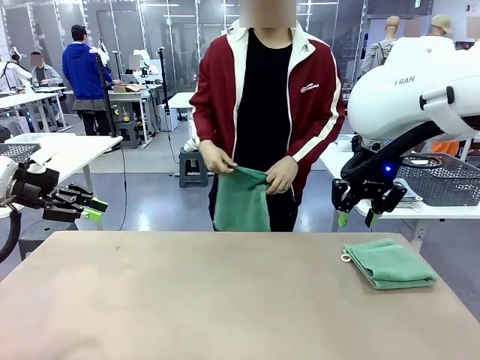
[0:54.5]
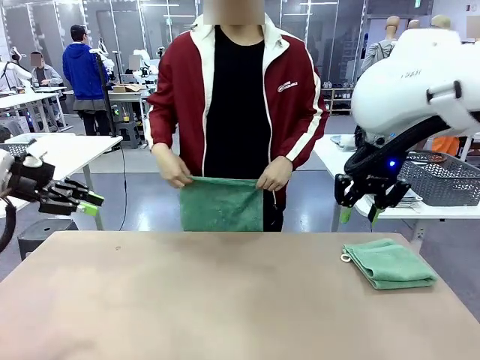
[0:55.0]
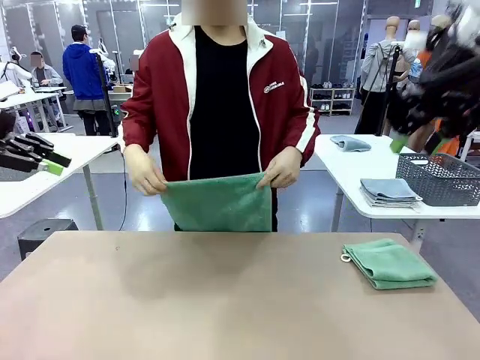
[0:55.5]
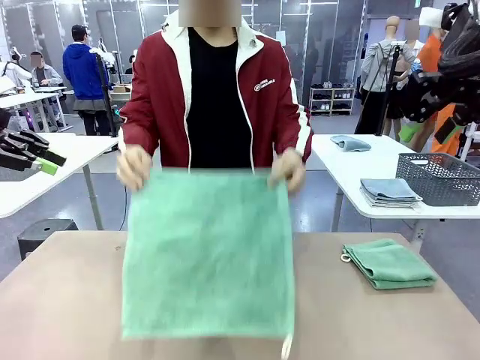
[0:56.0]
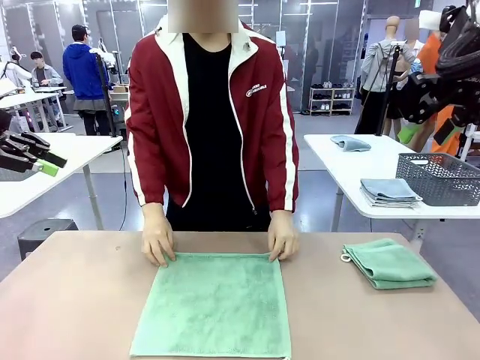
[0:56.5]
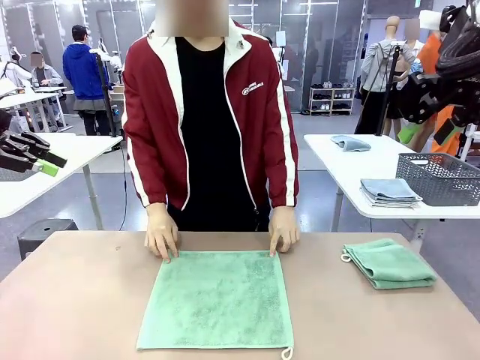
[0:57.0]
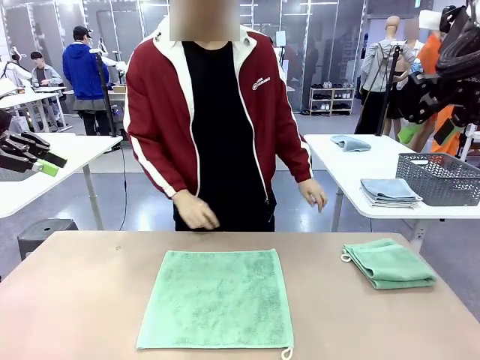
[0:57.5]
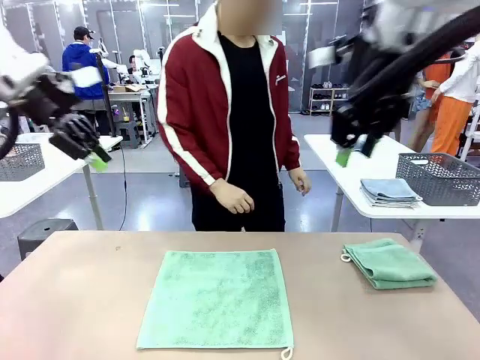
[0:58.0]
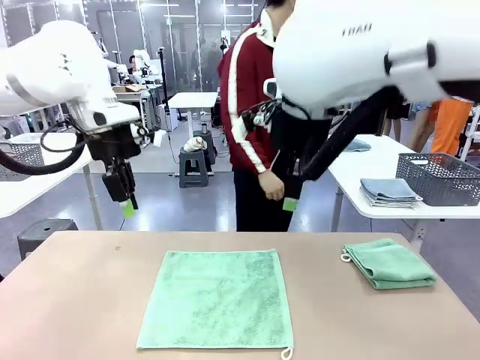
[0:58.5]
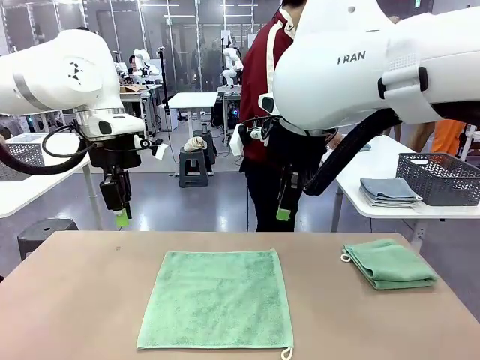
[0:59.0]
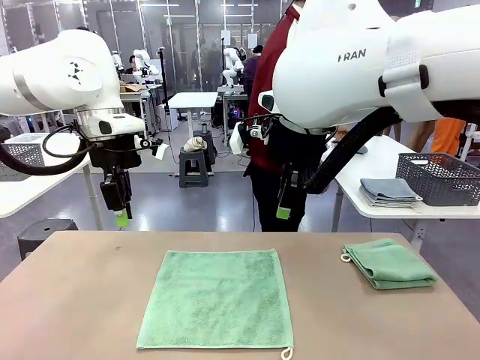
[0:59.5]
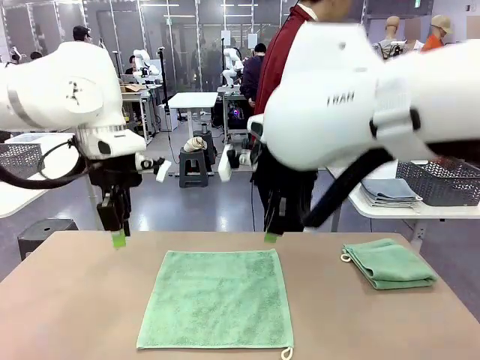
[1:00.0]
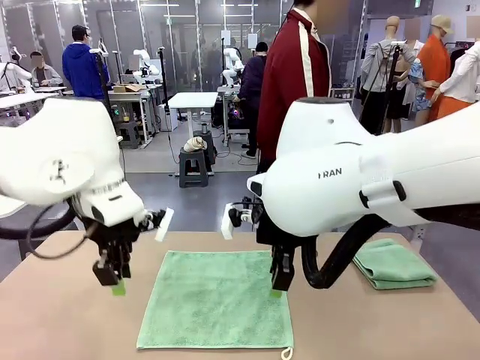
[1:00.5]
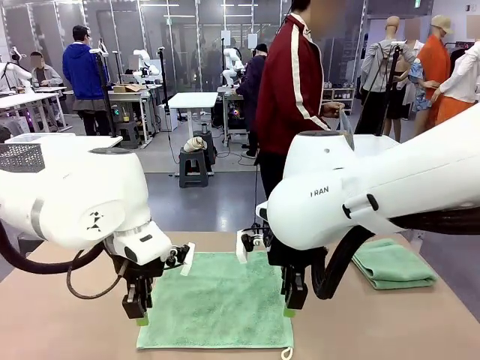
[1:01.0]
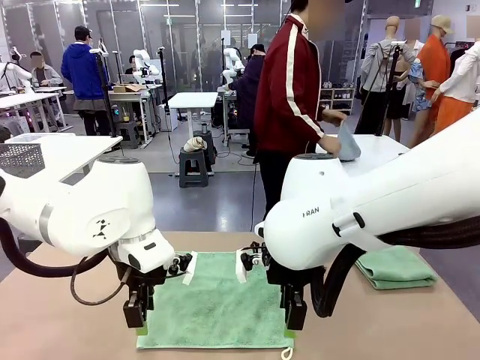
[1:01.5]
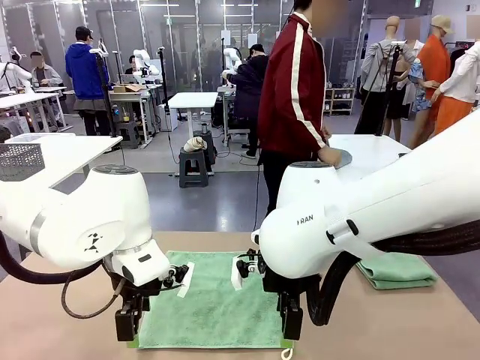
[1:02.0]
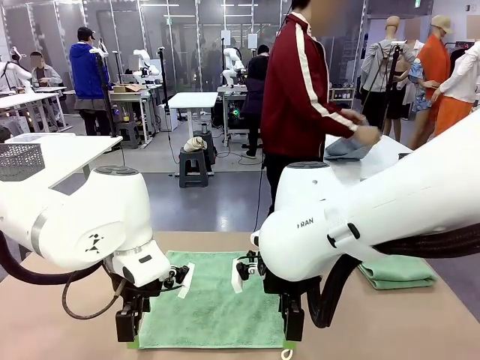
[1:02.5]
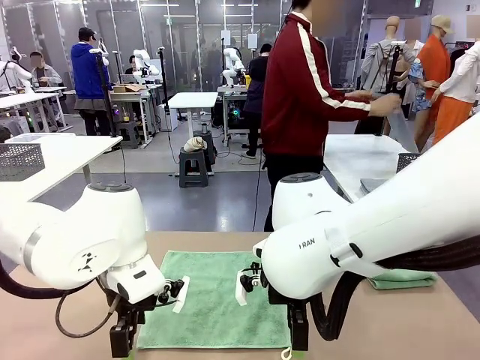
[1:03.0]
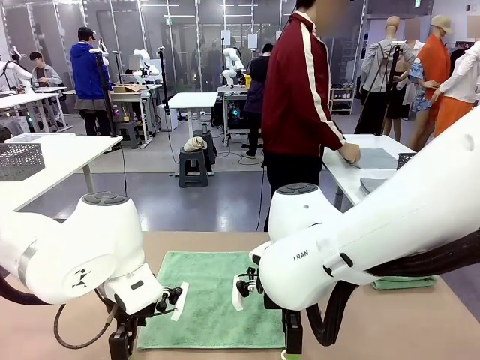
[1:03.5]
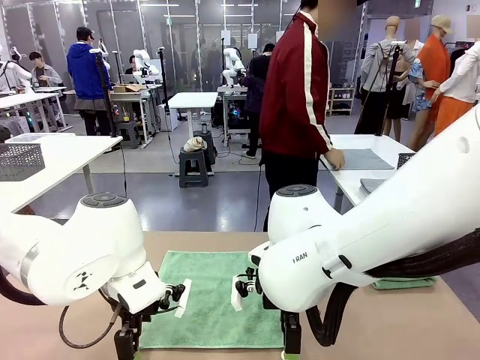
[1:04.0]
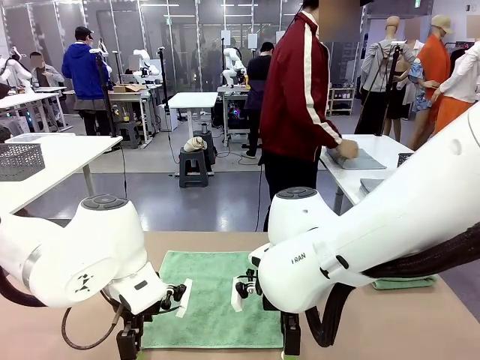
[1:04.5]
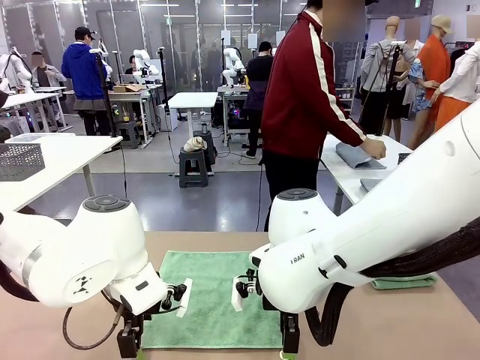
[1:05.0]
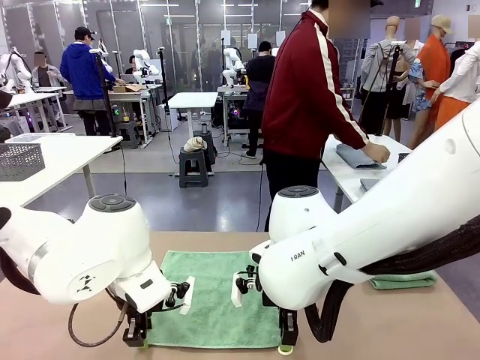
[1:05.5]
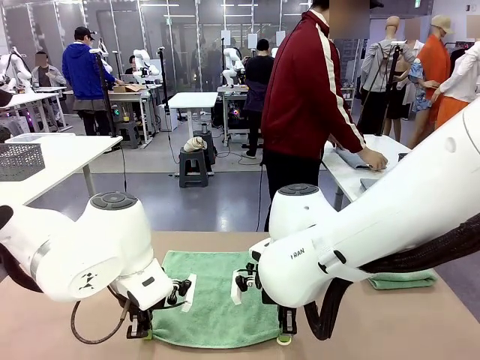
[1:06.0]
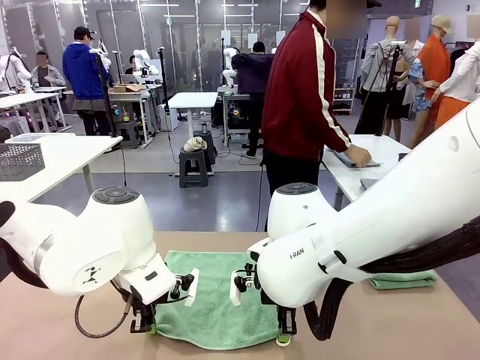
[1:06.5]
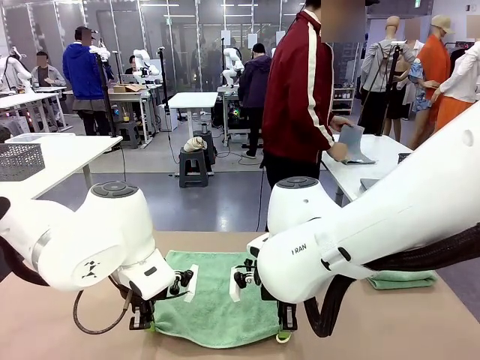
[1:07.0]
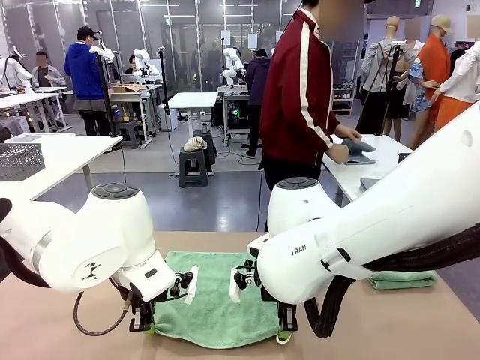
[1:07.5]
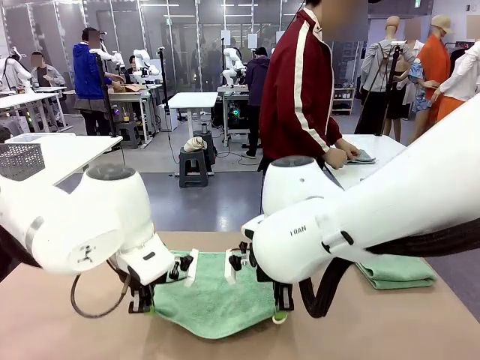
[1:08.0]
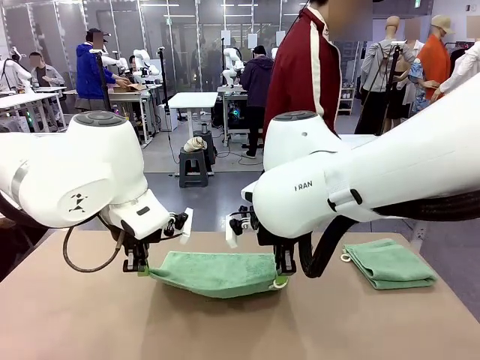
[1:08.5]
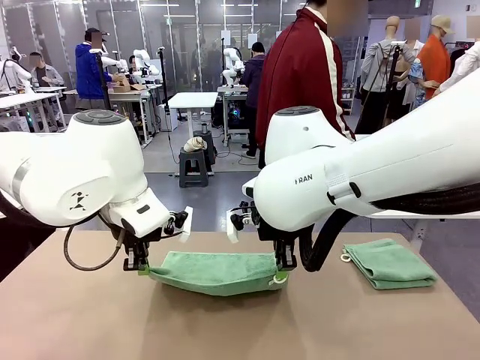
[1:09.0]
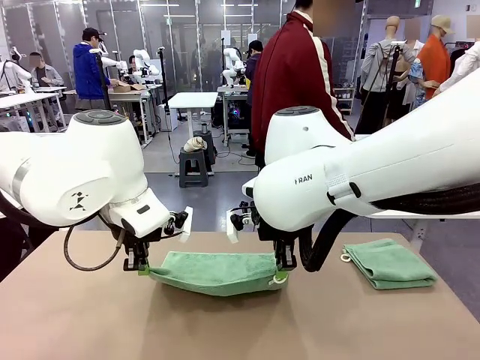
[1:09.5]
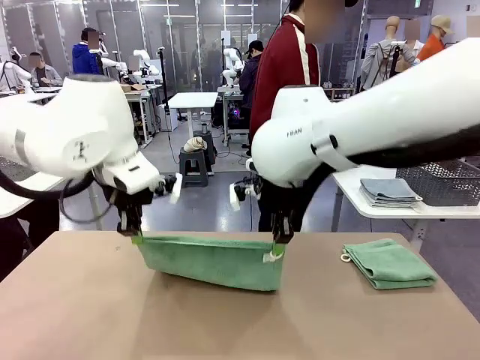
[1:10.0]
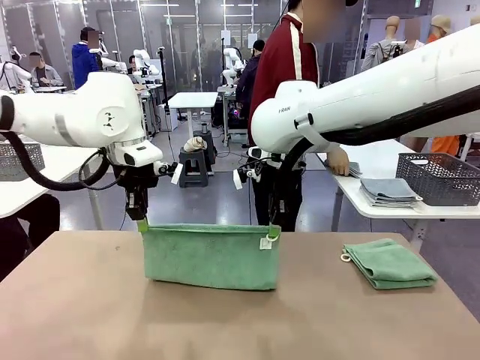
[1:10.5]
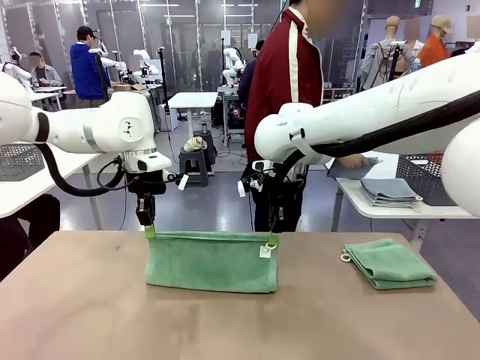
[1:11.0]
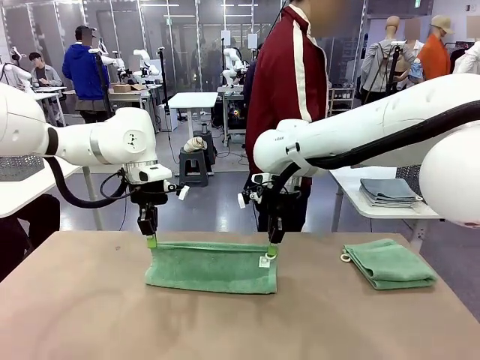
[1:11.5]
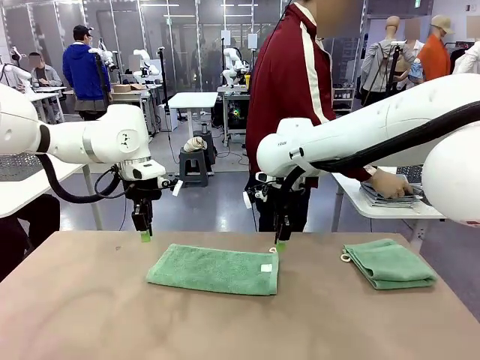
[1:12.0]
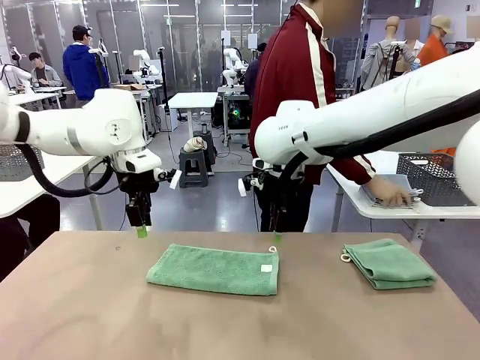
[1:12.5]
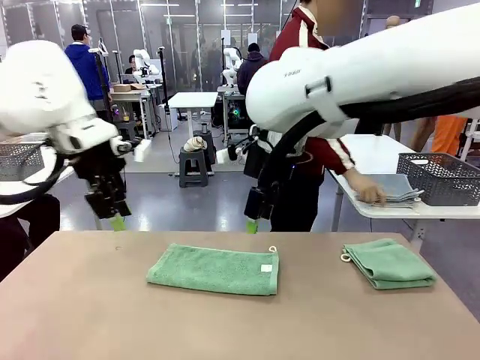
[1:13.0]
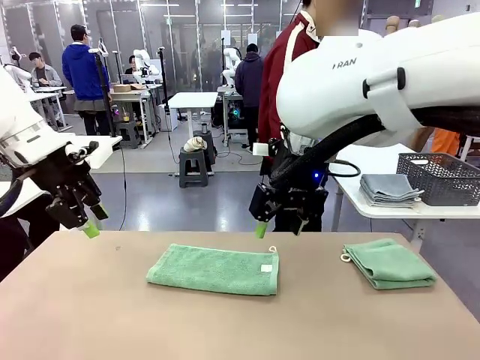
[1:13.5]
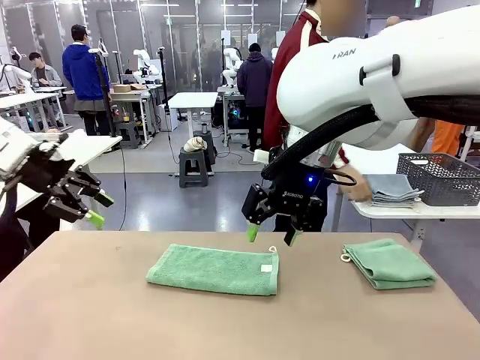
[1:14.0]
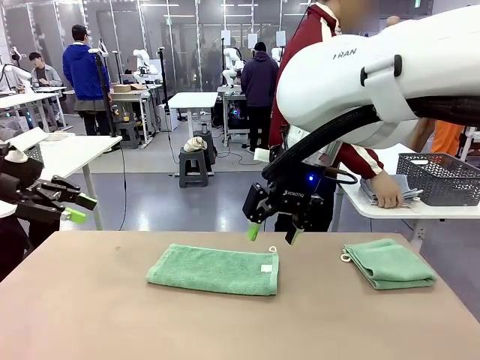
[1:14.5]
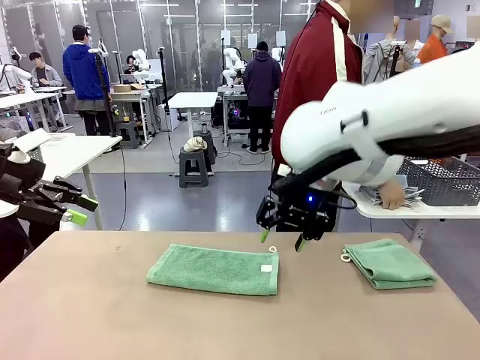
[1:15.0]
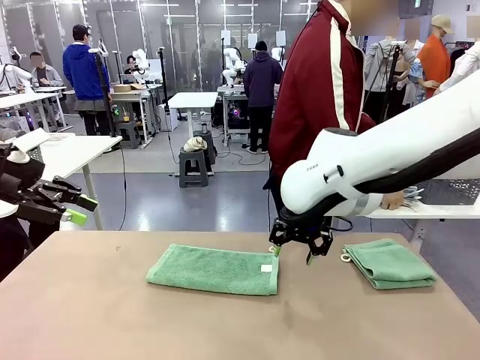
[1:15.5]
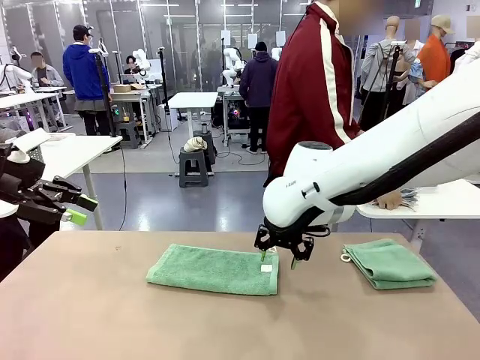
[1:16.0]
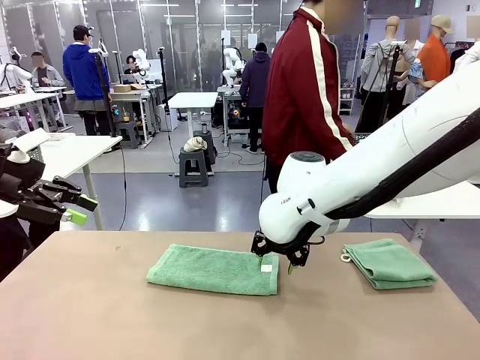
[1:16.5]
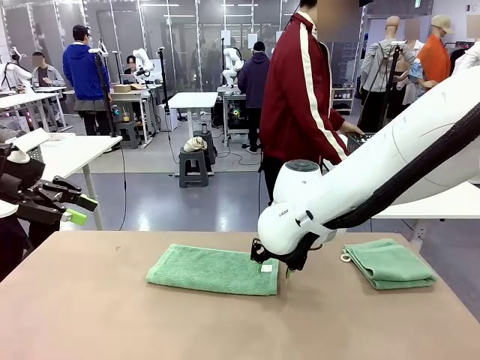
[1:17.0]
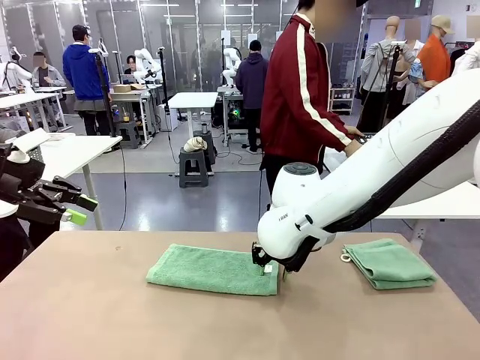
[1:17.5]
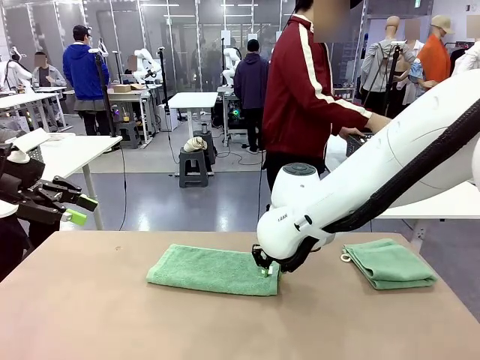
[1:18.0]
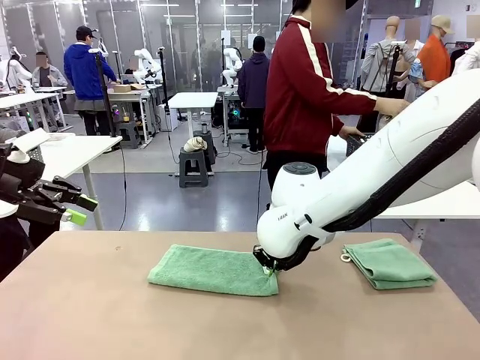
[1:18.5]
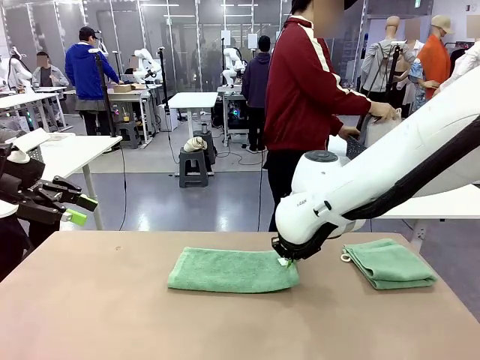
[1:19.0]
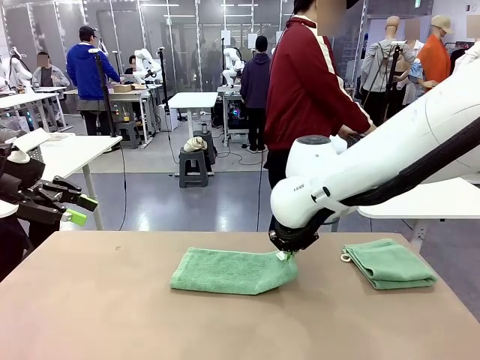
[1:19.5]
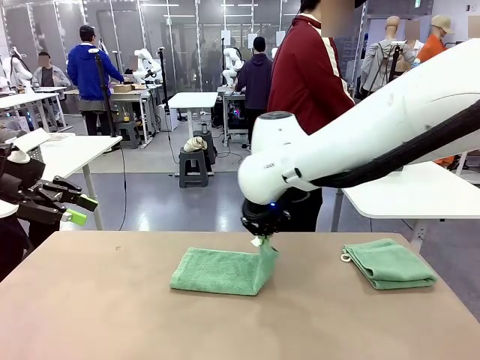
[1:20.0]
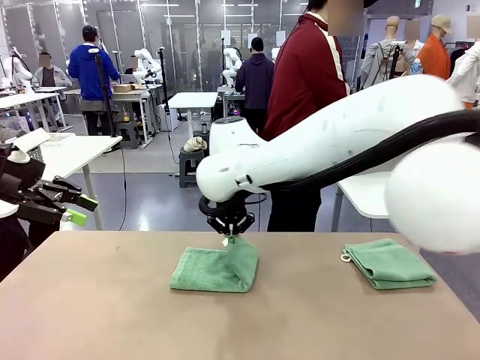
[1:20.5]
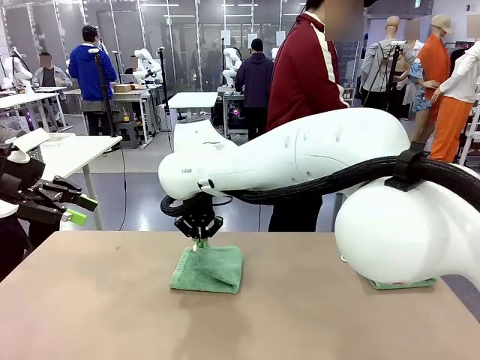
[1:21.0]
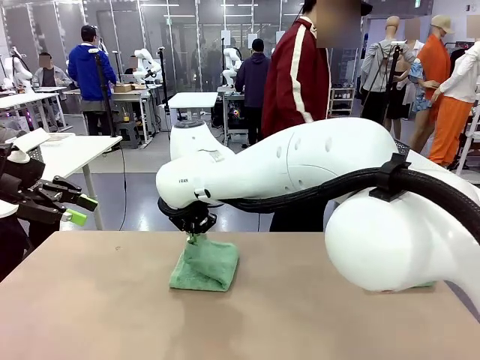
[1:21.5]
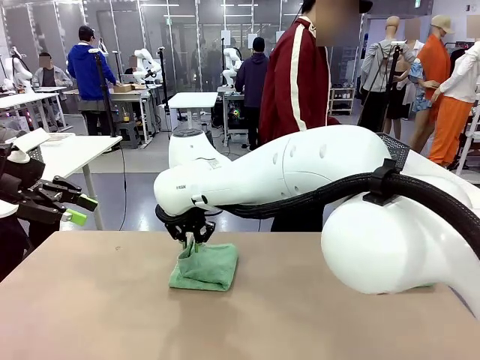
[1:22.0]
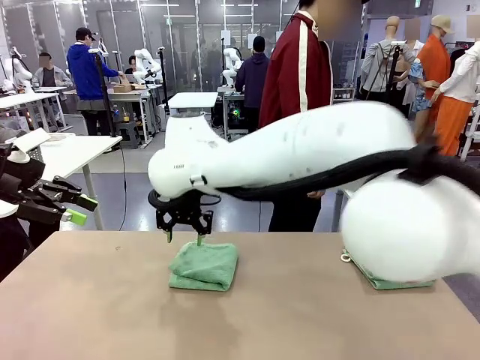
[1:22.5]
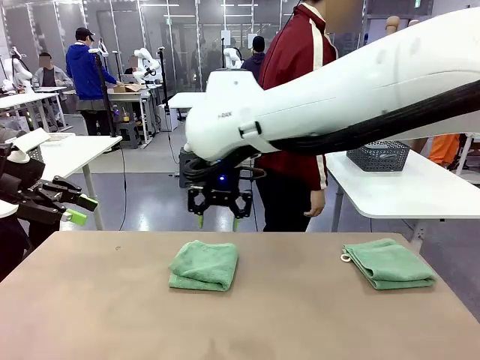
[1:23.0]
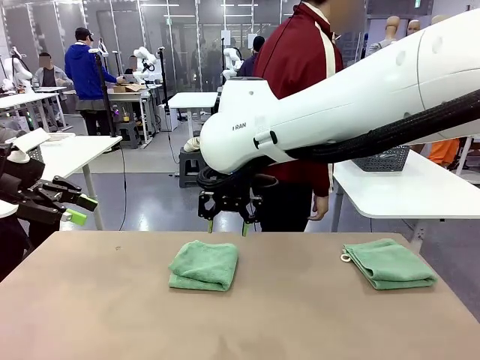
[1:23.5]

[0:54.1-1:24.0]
Task: Fold the towels and place them in the basket.
Robot: When a person lays out a Towel with hook on the table, fold it in half twice.
Person: Pick up one towel from the left side of the human table, fold it in half twice, and stack it on the right side of the table. Pick up the stack of towels from the right side of the human table, place it into the basket, and put the basket at the center of the table.
